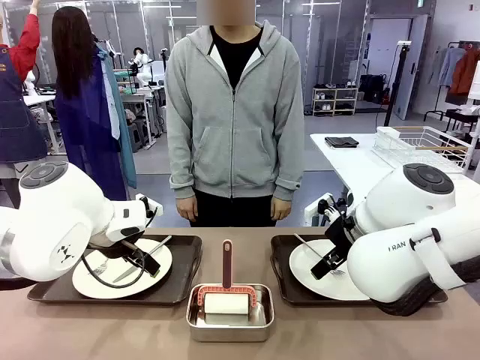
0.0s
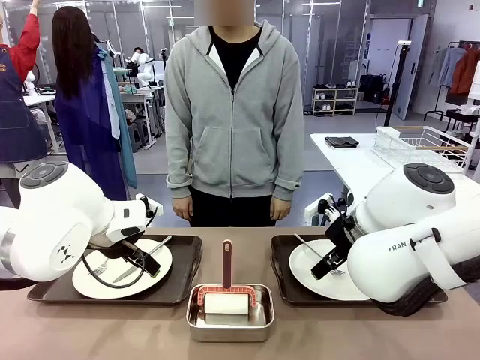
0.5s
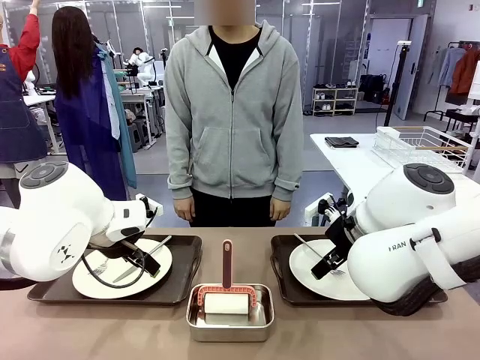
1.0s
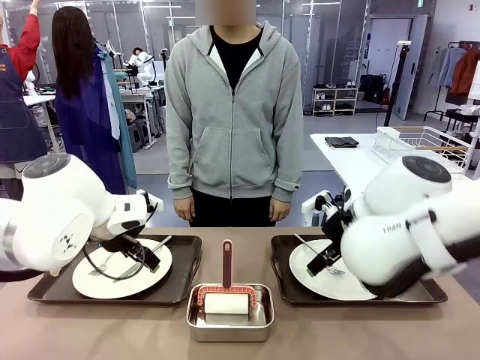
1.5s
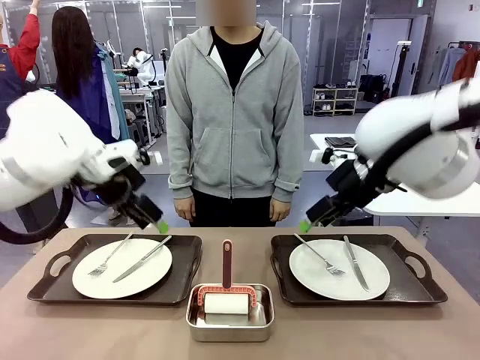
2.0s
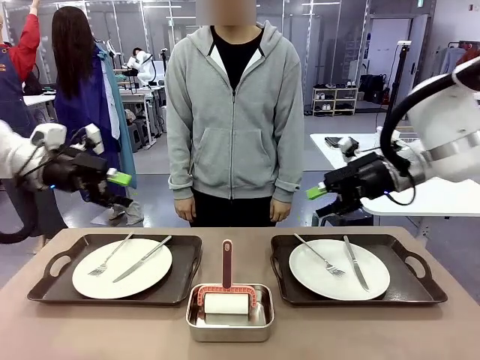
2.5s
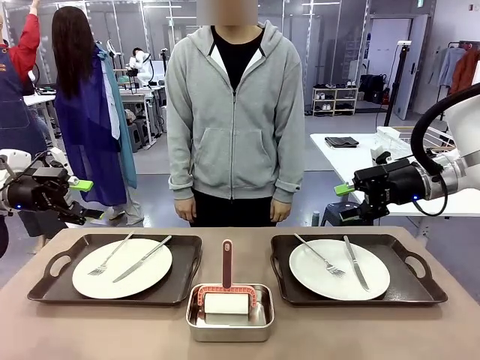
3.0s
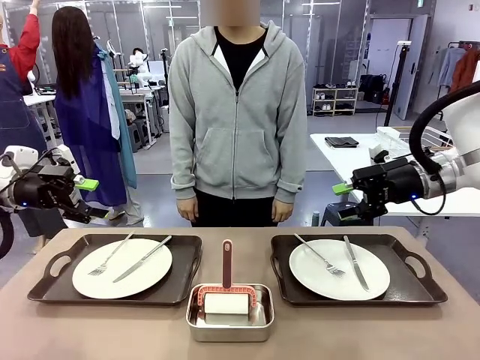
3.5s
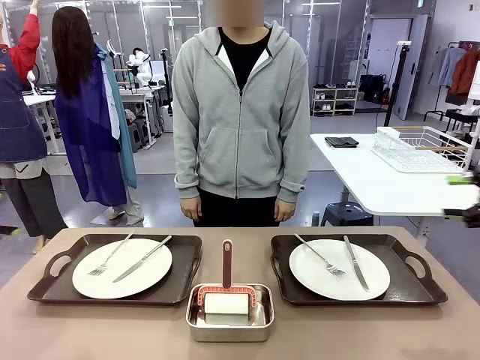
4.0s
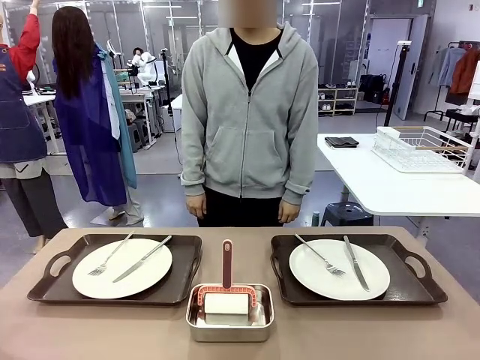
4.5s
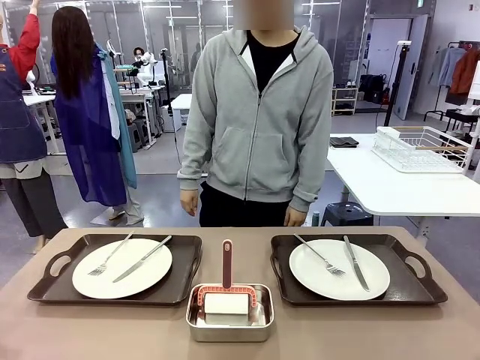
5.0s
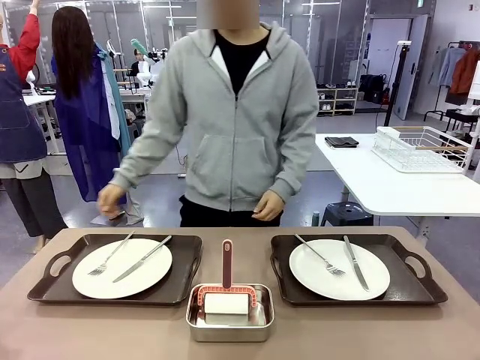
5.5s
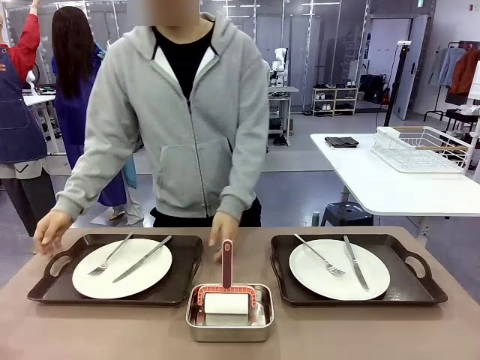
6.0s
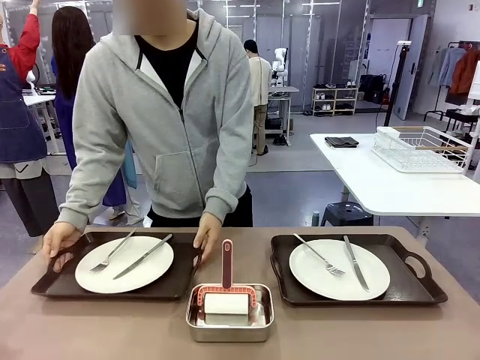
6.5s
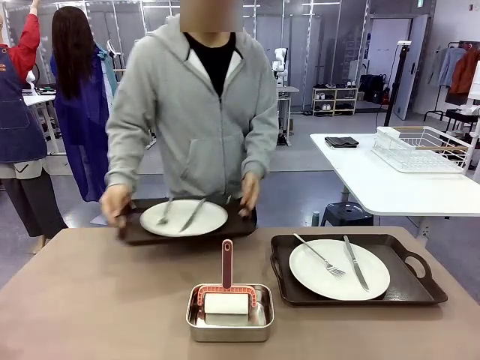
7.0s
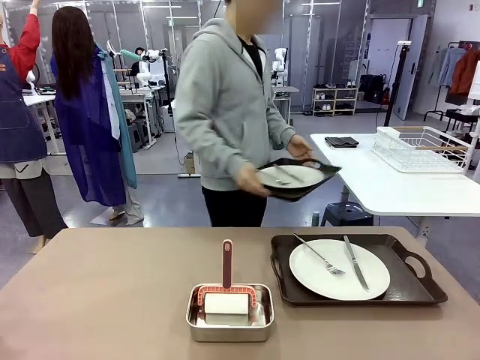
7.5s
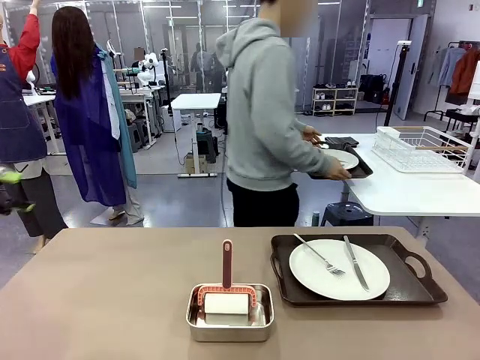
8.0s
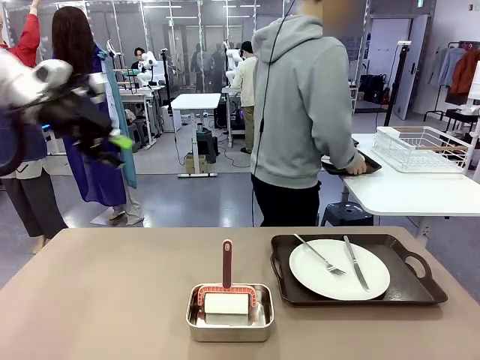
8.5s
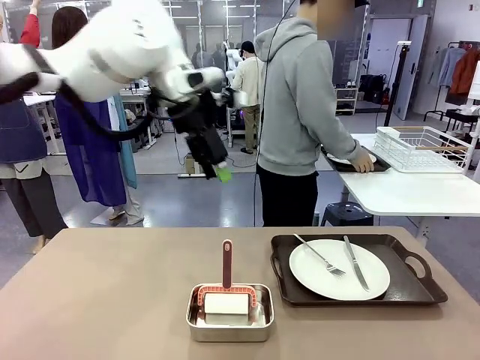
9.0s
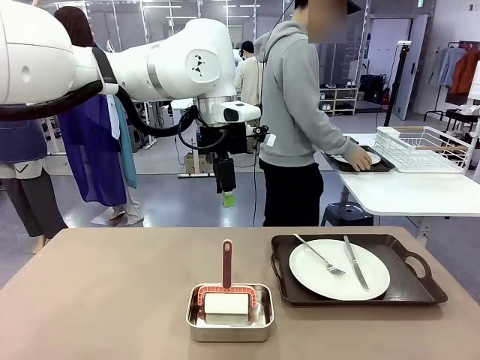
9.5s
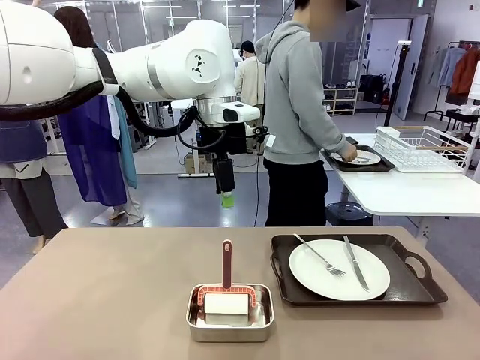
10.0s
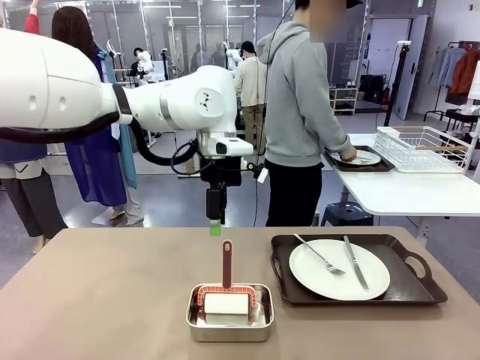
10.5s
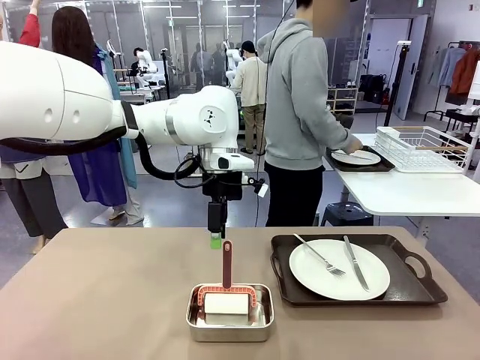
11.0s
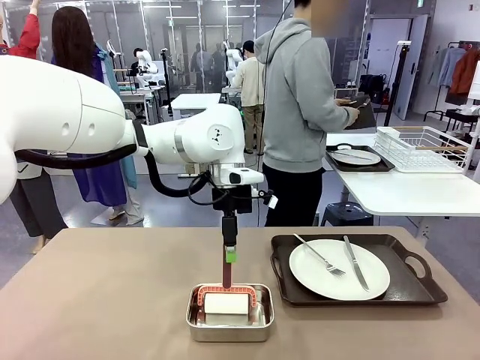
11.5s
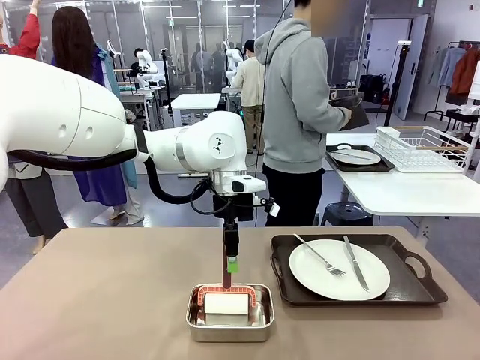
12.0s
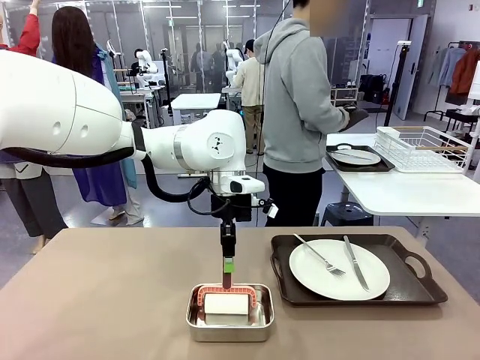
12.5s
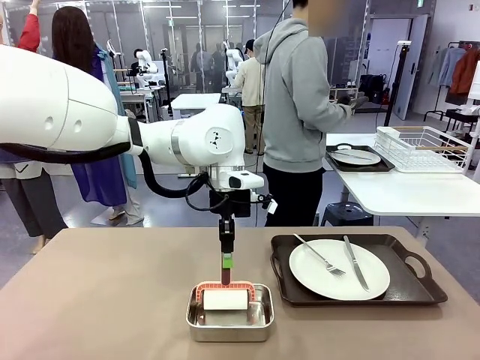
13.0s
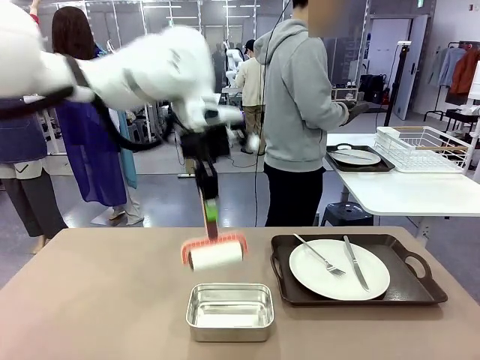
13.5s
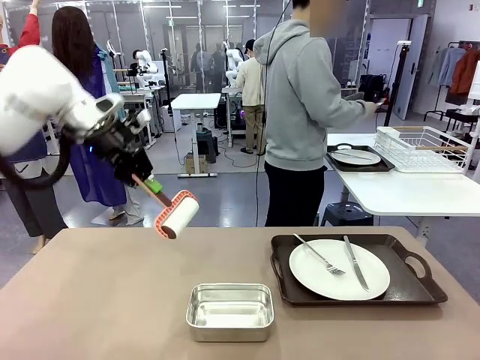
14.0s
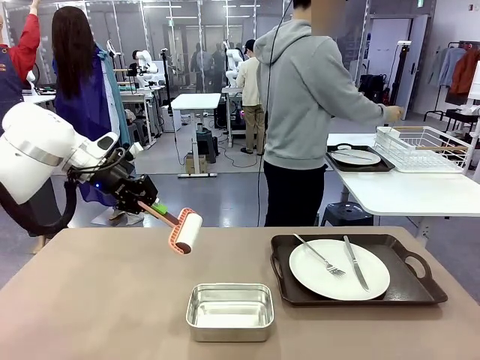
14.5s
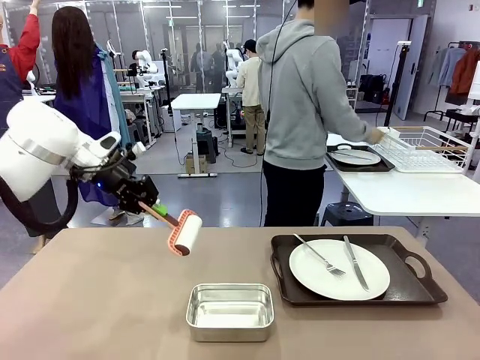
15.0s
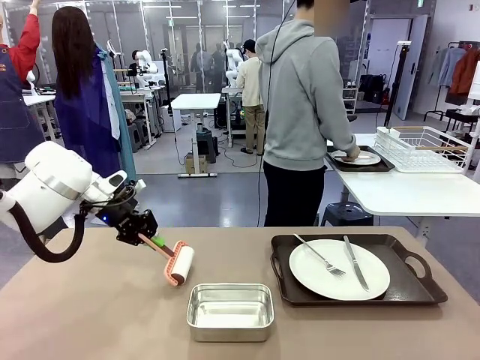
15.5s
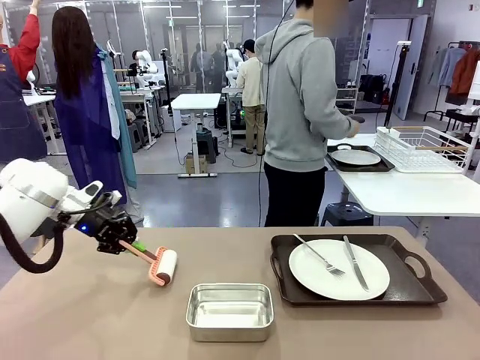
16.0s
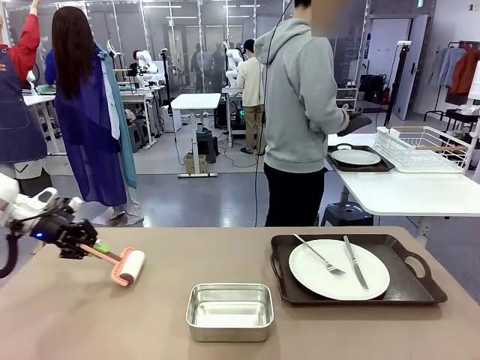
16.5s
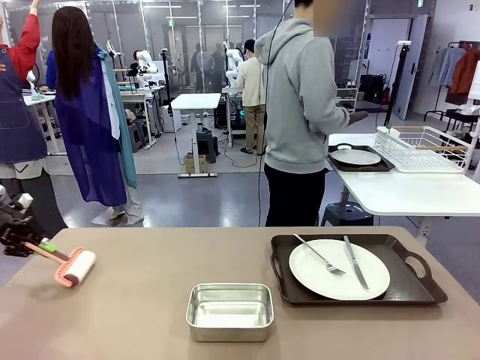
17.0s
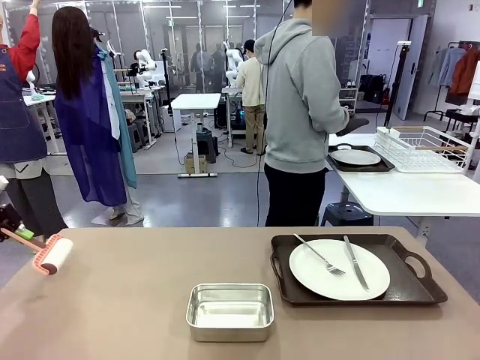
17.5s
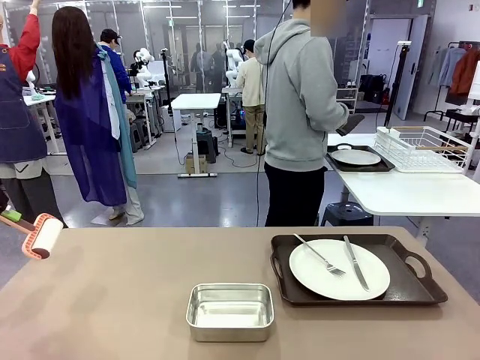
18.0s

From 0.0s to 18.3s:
Robot: When the left (or right) Handle tray is removed, use the left hand (or right hand) to clean the left (or right) side of the table with the Lint Roller.
Person: Pick up the left (or right) Handle tray and place it on the middle of the Human's table. Use the Towel with hook to wipe the Plastic Matte Plate , Fork , and Knife and place into the Dish drying rack.

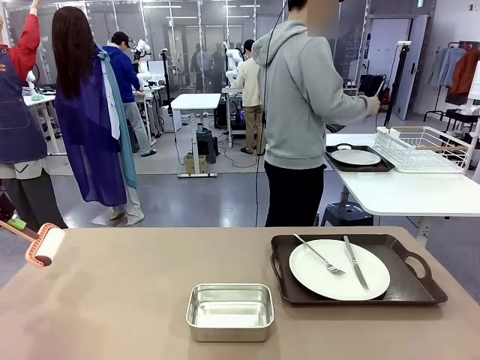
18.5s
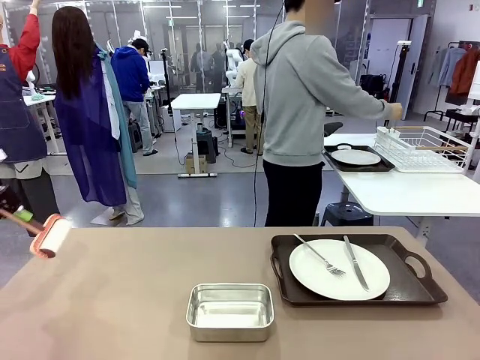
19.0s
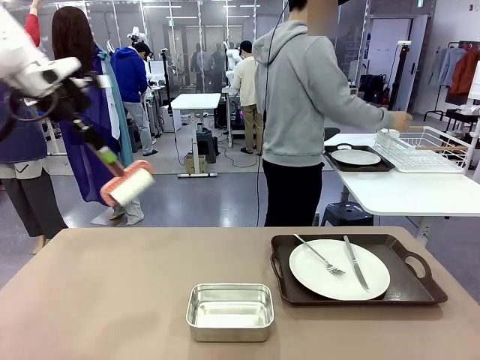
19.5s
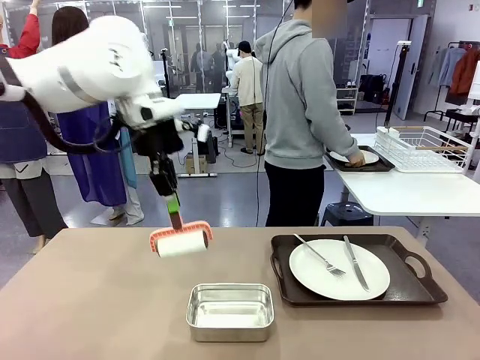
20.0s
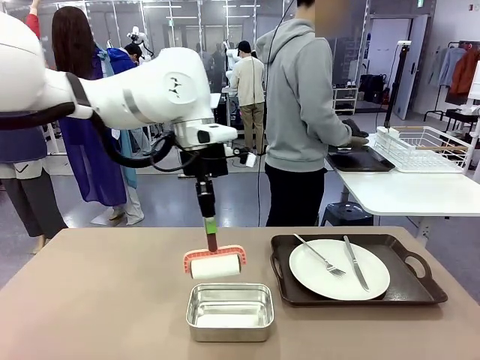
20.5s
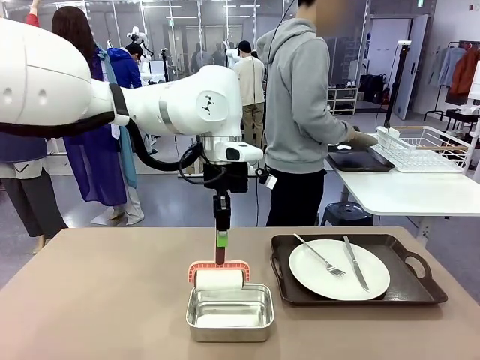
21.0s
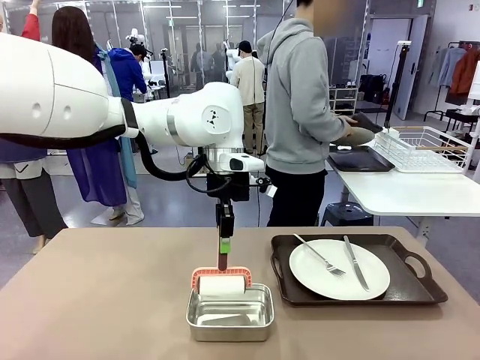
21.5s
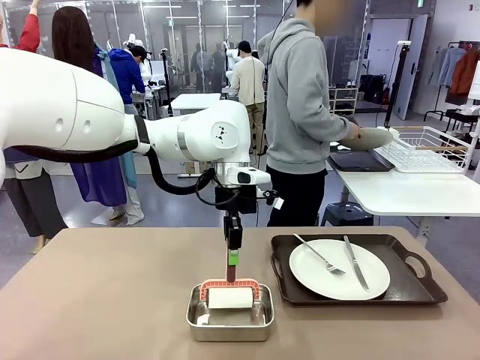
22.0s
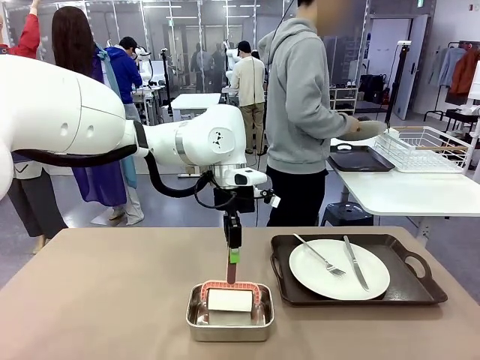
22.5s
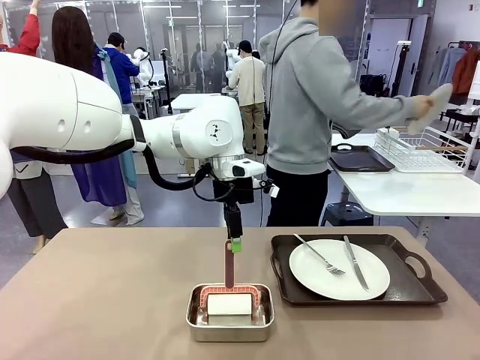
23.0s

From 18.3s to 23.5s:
Robot: Place the Lint Roller back on top of the Airtight Container.
